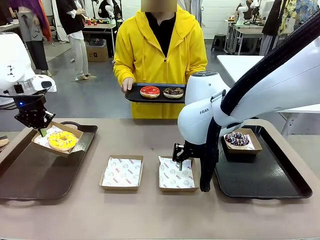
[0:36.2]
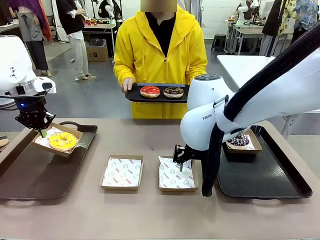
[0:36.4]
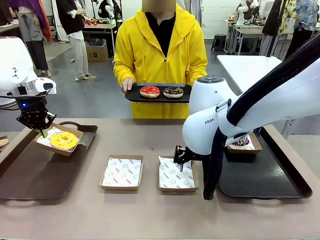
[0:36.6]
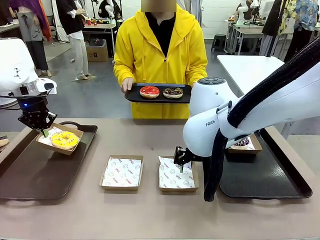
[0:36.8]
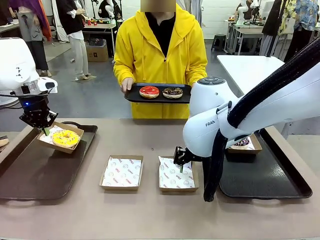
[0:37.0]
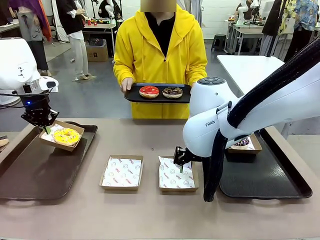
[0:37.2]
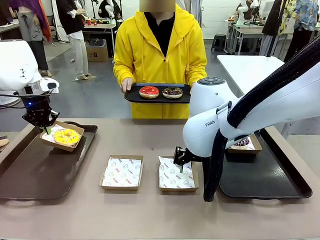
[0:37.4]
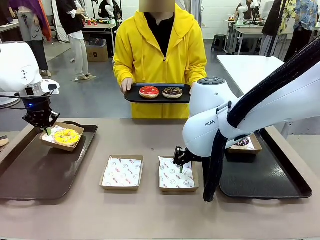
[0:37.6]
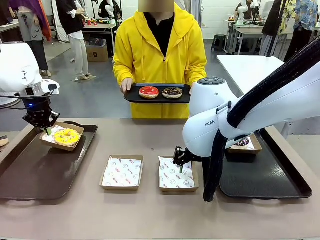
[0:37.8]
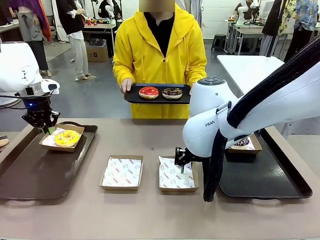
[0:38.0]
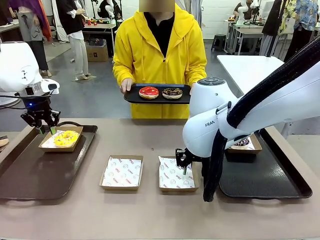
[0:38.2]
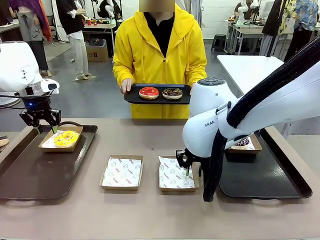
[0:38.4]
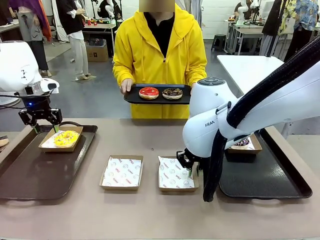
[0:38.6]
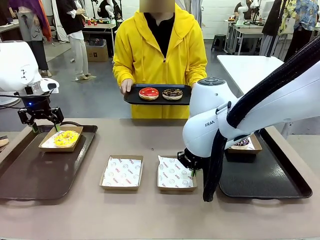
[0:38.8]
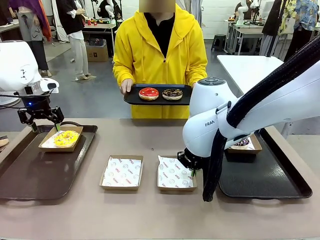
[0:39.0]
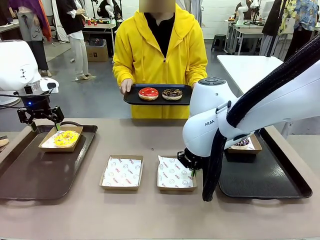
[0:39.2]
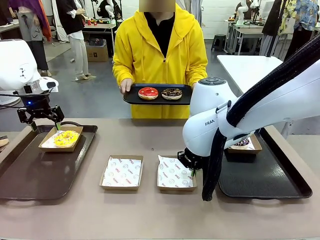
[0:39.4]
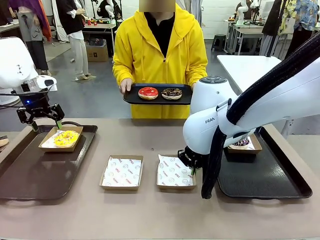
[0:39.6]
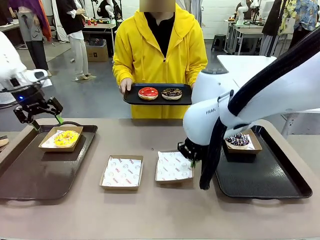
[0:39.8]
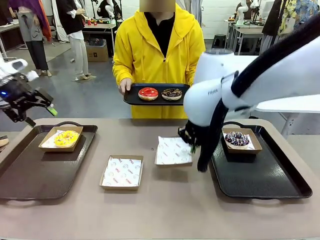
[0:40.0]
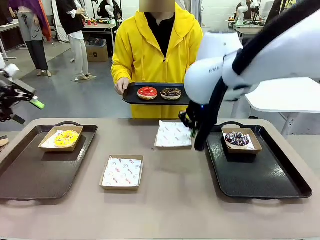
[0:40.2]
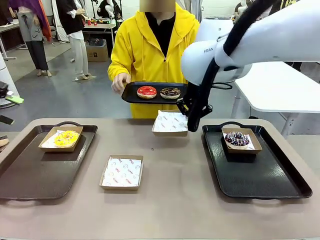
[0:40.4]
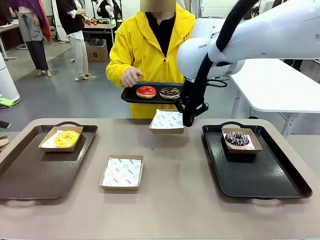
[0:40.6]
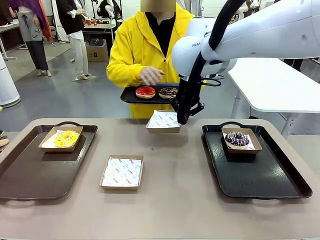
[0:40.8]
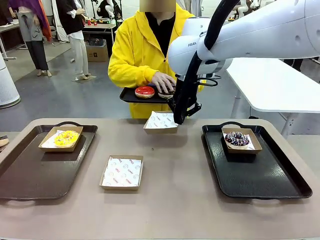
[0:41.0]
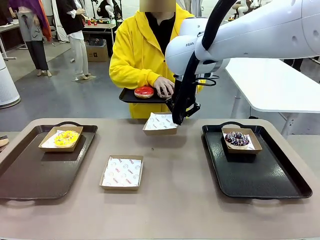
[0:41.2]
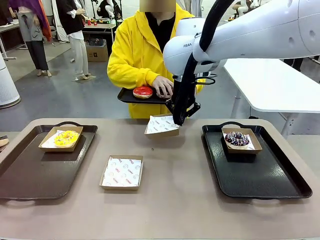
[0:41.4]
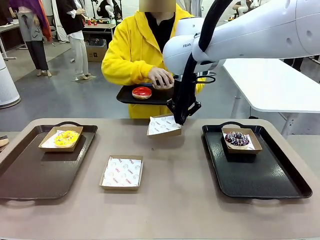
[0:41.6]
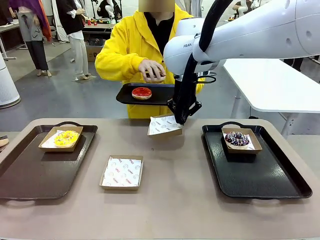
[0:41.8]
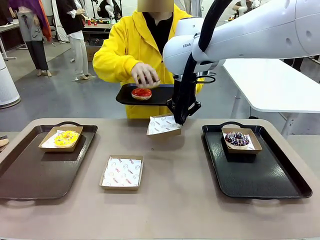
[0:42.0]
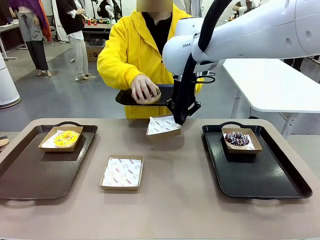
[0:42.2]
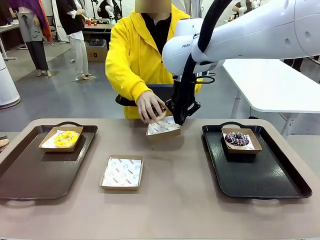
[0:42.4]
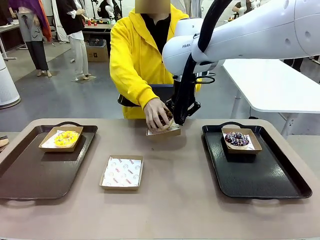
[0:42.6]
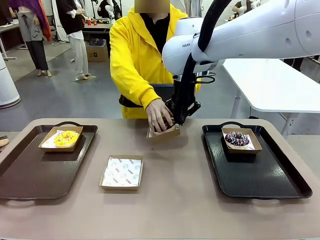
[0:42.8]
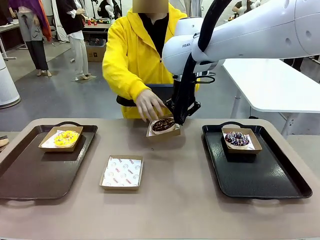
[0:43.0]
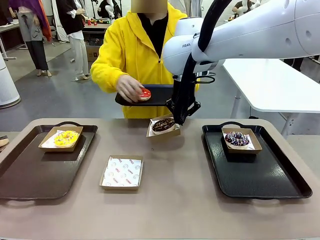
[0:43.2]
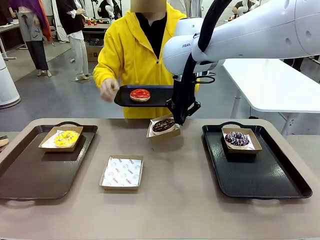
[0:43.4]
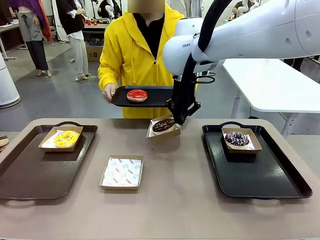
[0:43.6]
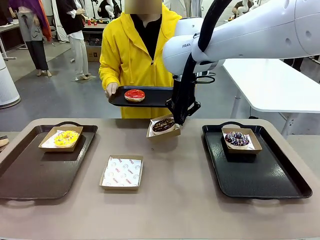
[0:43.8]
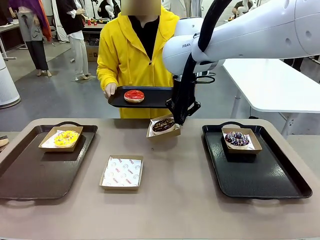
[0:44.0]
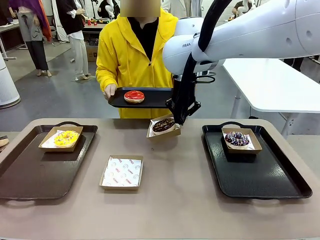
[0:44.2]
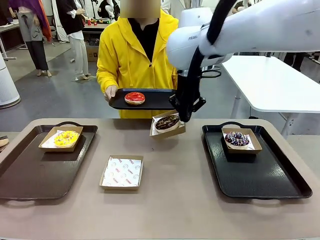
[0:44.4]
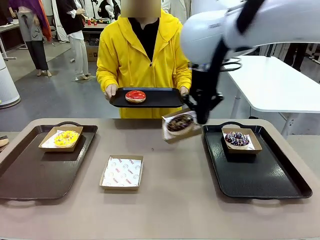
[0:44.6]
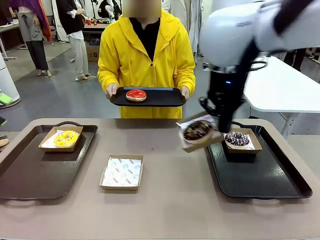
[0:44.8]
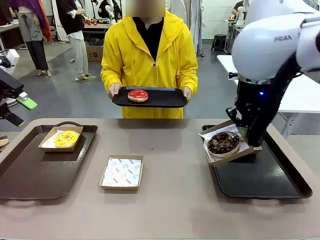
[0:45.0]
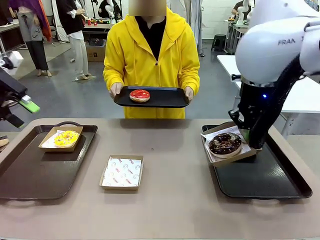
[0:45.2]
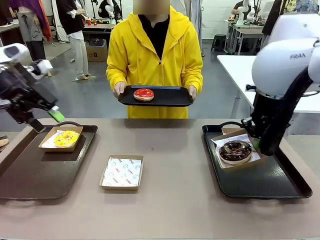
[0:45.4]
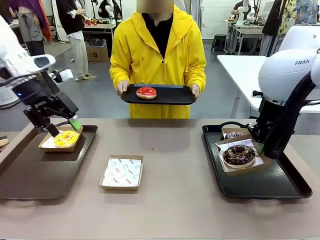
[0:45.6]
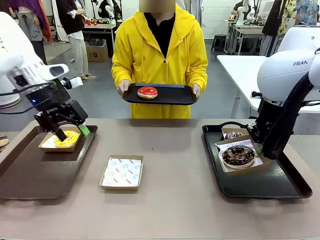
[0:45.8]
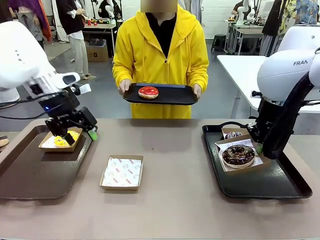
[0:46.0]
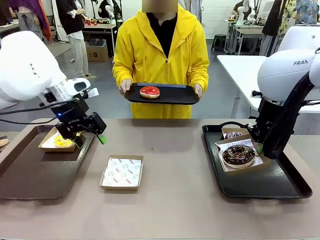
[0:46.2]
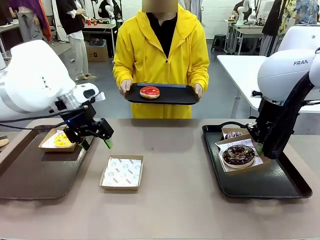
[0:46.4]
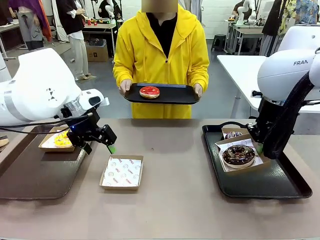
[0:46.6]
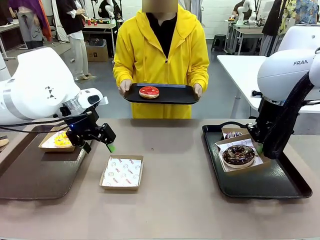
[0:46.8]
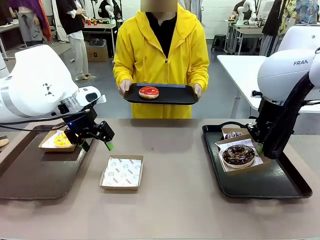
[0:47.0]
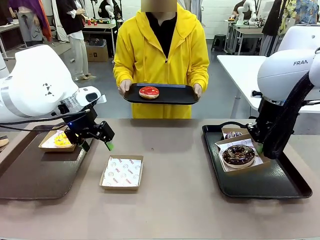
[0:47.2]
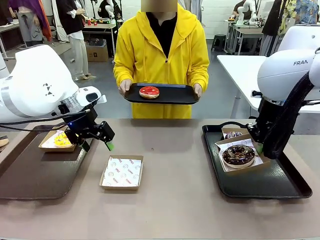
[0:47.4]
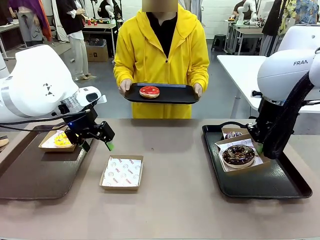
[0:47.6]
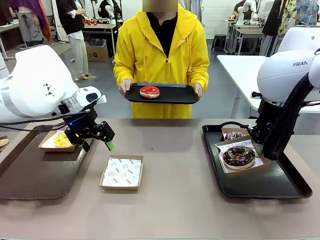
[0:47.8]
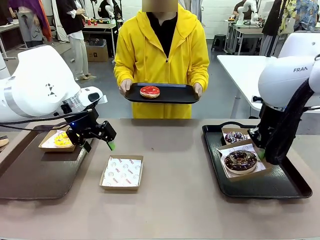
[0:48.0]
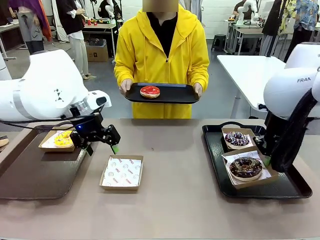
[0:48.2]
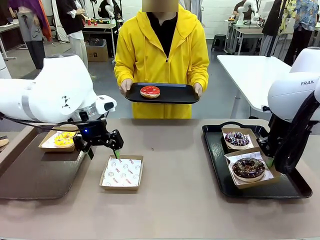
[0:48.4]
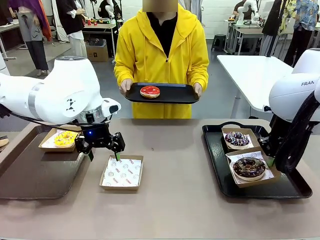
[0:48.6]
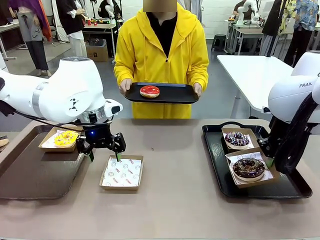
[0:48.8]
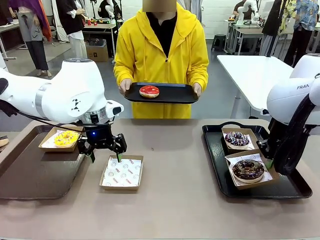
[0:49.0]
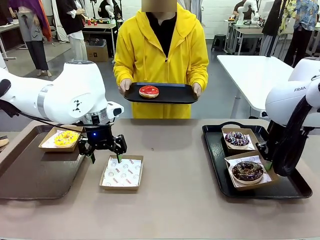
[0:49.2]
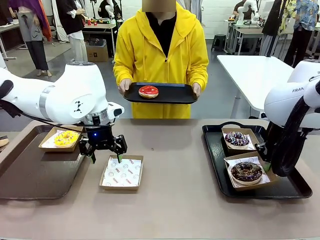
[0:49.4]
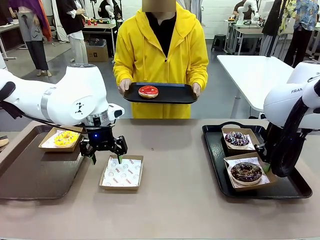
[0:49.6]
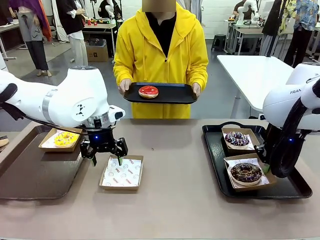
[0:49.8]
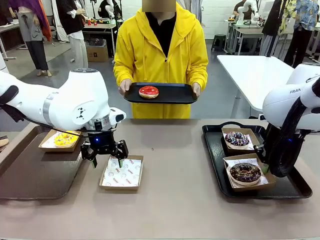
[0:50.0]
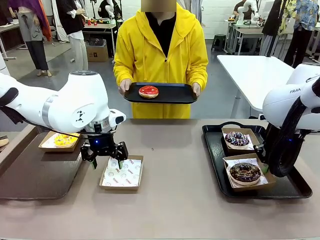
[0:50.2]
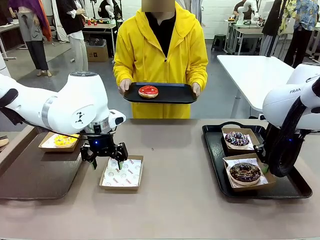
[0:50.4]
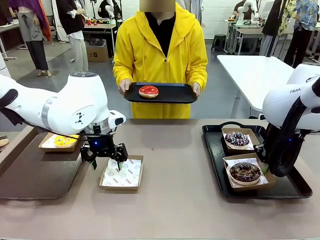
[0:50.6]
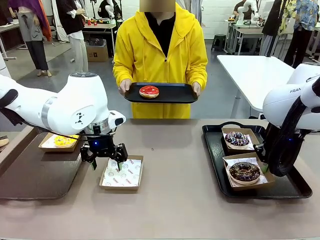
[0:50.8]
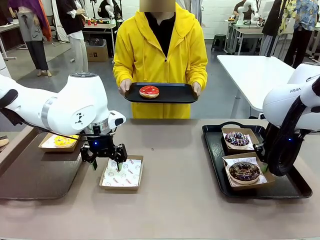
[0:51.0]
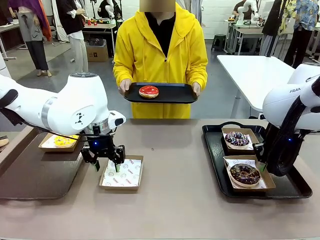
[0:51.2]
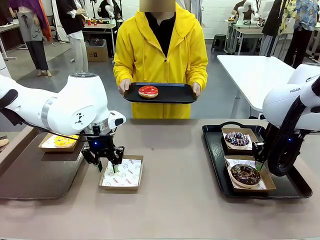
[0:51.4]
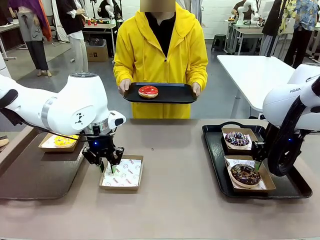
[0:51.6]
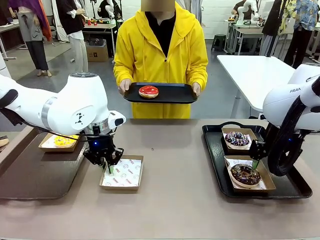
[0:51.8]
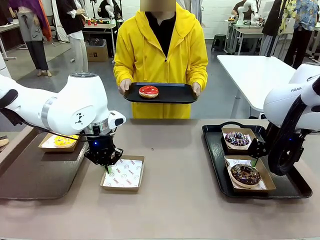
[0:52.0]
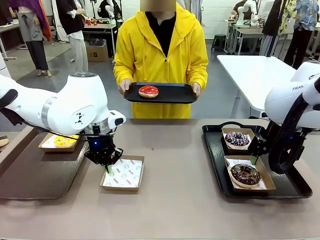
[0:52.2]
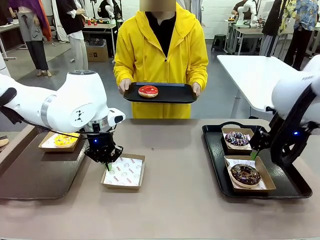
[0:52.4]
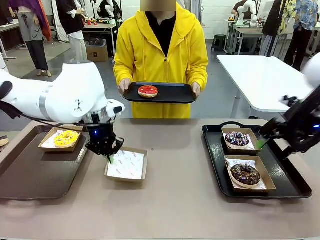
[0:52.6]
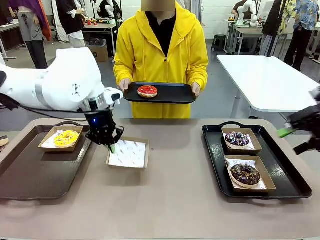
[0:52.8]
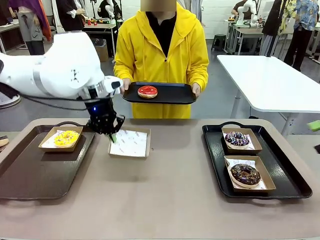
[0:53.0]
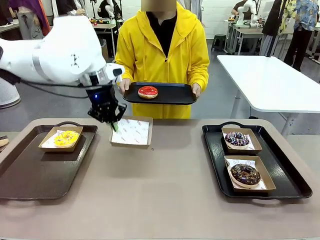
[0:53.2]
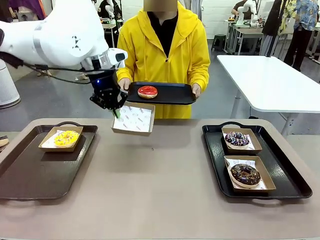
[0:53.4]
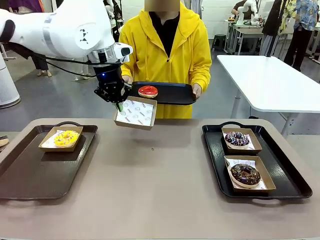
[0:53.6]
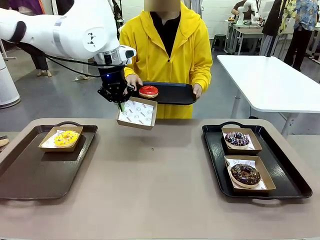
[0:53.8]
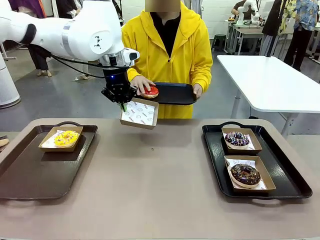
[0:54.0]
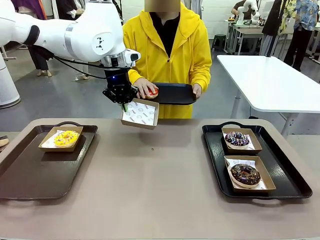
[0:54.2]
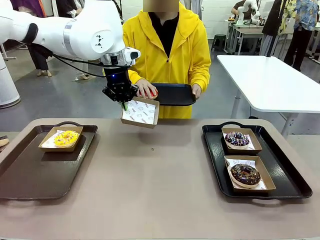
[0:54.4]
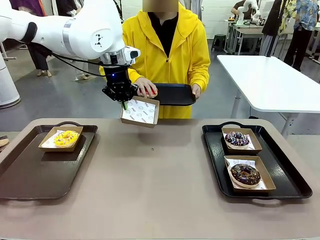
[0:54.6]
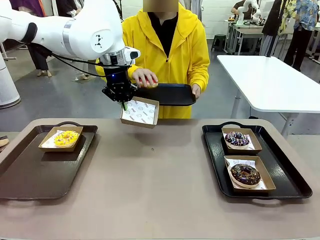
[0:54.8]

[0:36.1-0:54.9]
Task: Individually package the donuts and arrange them on the tray.
Robot: Place the picked Paper togo box on the Handle tray while simultaneously picking up another Paper togo box from the table with the other hand.
